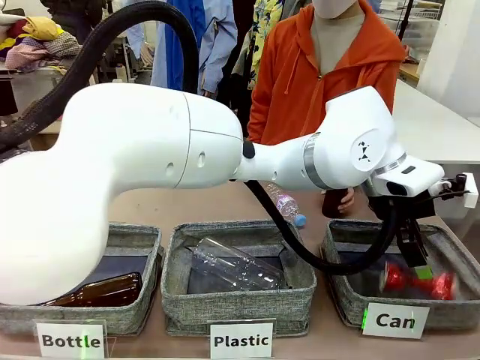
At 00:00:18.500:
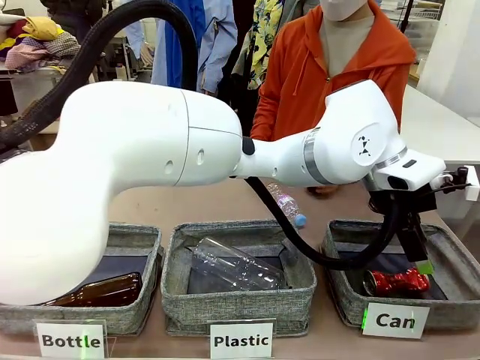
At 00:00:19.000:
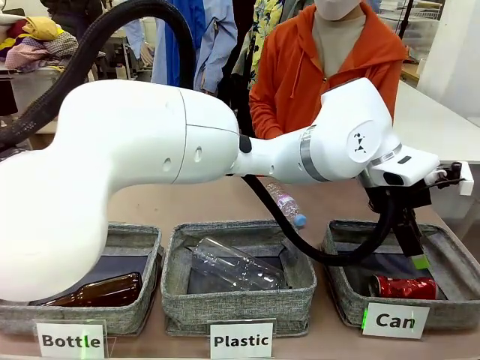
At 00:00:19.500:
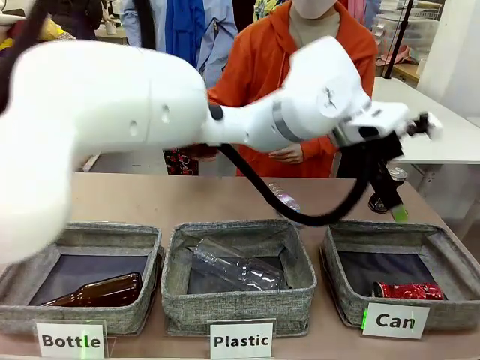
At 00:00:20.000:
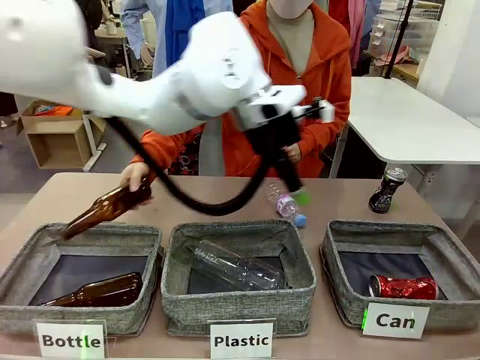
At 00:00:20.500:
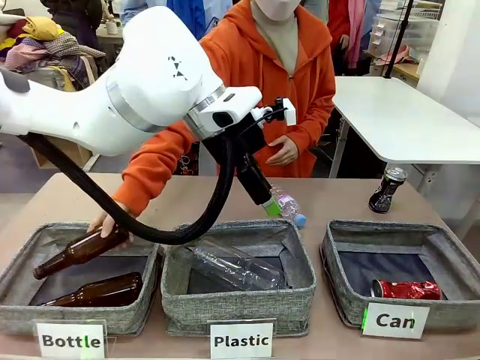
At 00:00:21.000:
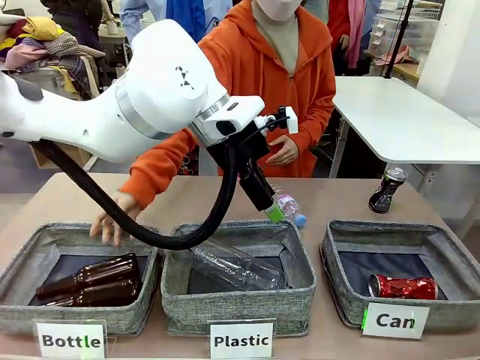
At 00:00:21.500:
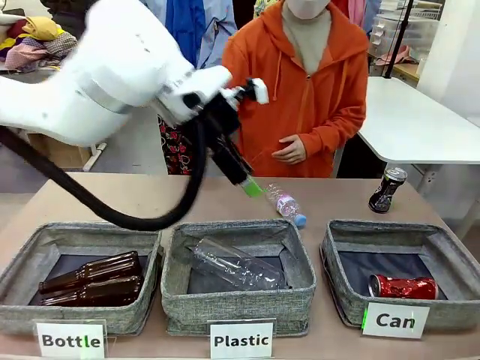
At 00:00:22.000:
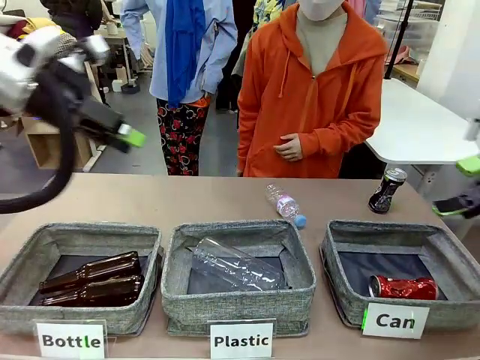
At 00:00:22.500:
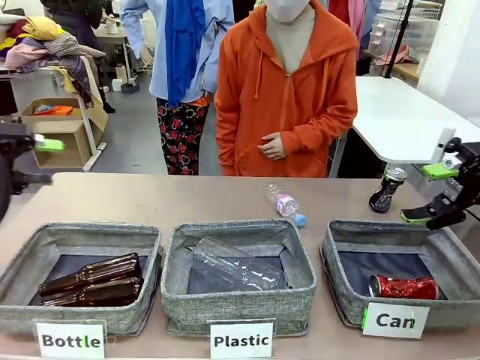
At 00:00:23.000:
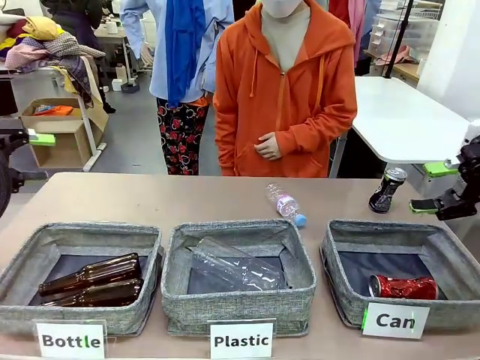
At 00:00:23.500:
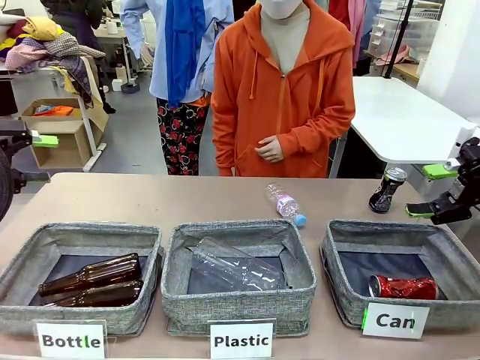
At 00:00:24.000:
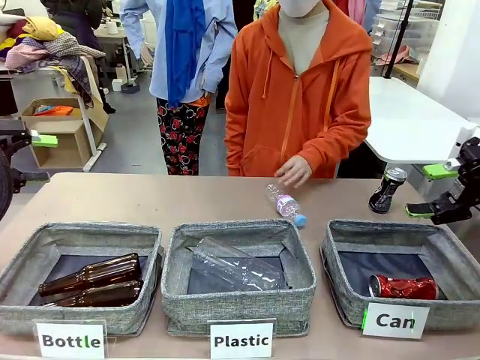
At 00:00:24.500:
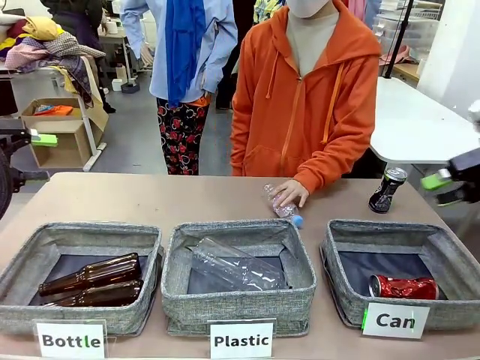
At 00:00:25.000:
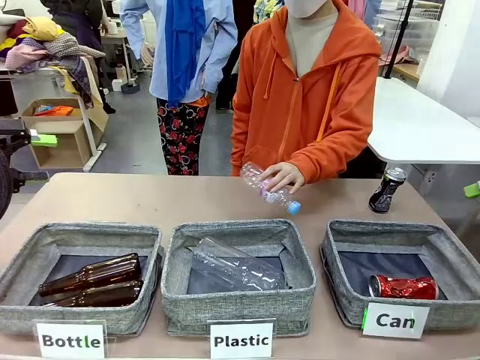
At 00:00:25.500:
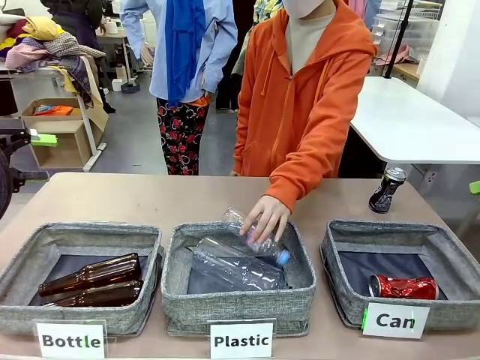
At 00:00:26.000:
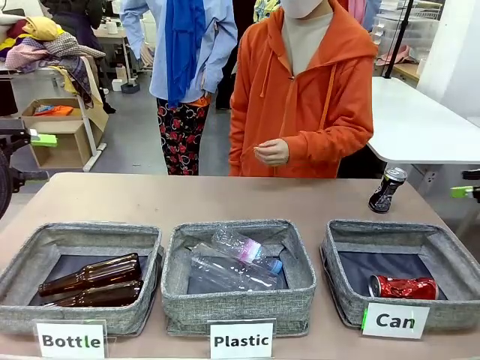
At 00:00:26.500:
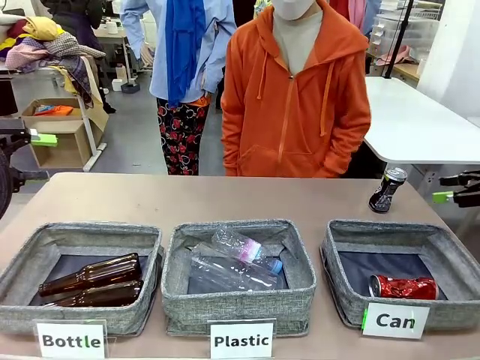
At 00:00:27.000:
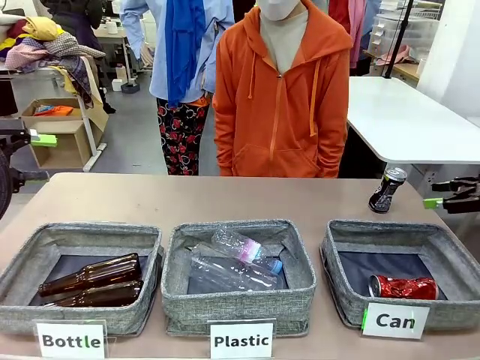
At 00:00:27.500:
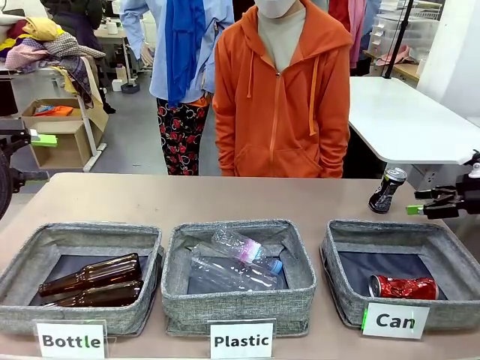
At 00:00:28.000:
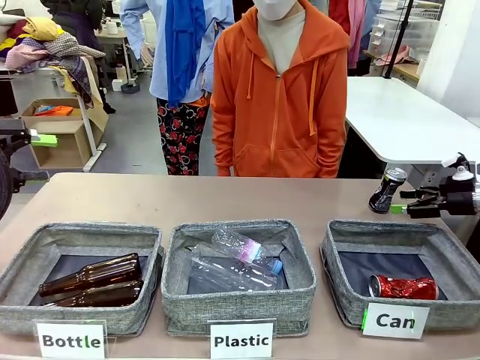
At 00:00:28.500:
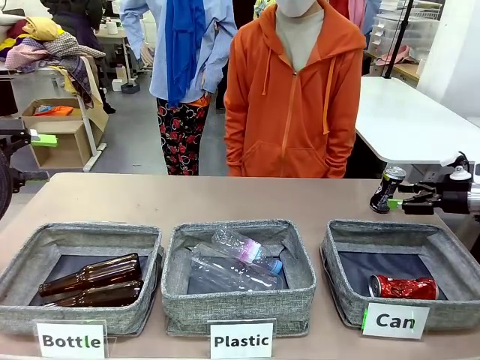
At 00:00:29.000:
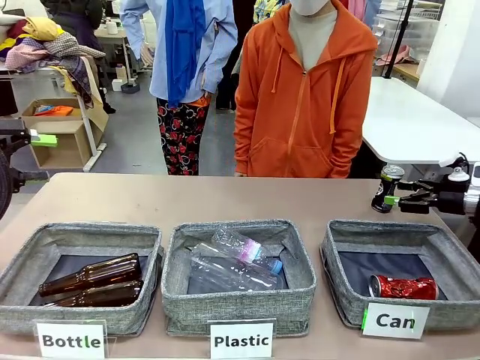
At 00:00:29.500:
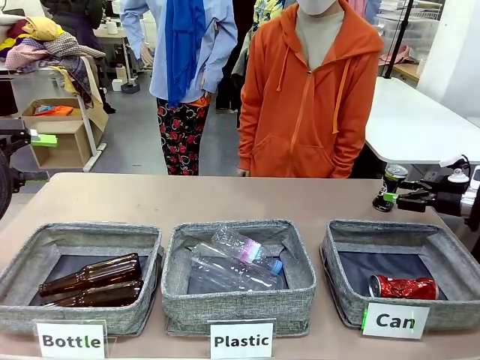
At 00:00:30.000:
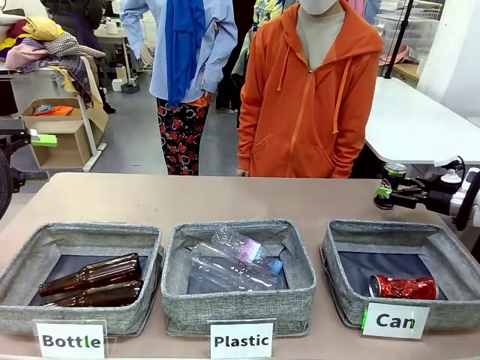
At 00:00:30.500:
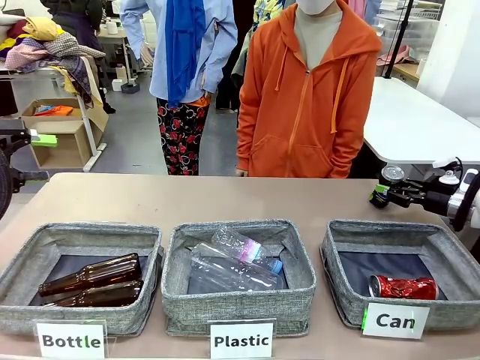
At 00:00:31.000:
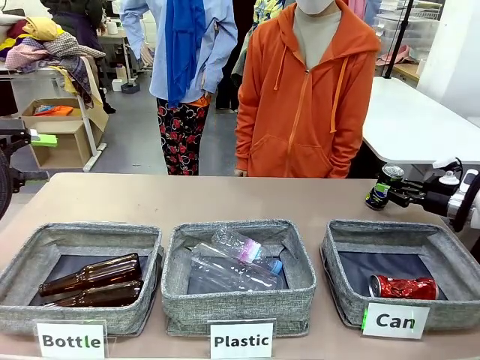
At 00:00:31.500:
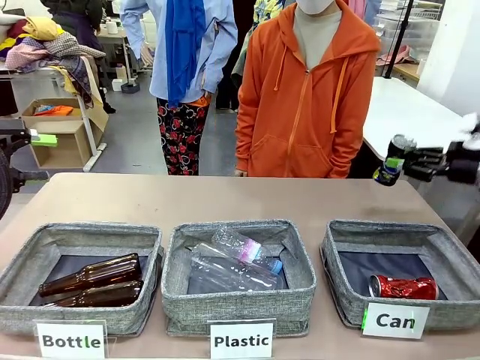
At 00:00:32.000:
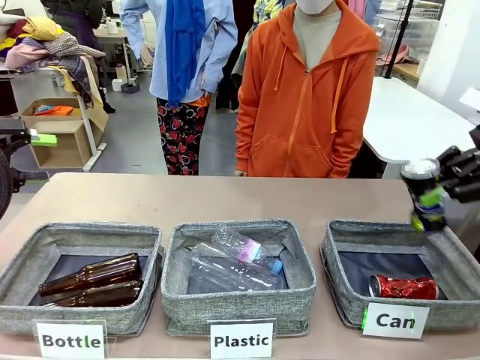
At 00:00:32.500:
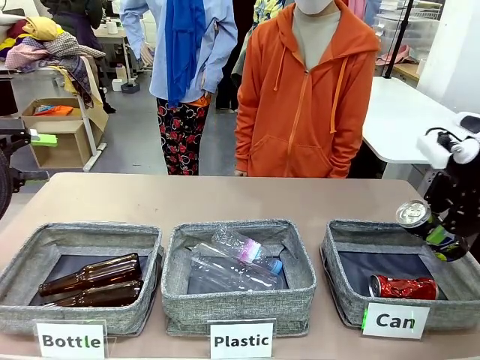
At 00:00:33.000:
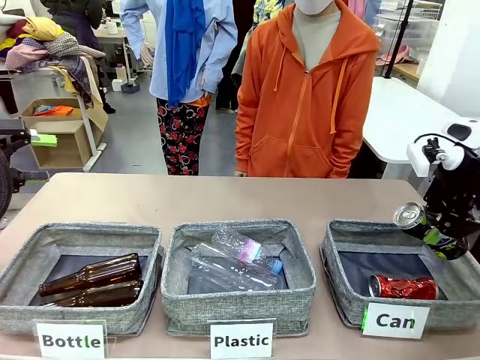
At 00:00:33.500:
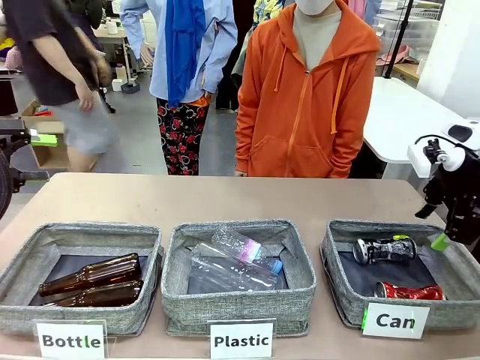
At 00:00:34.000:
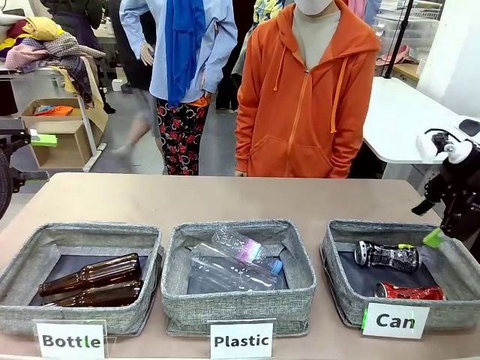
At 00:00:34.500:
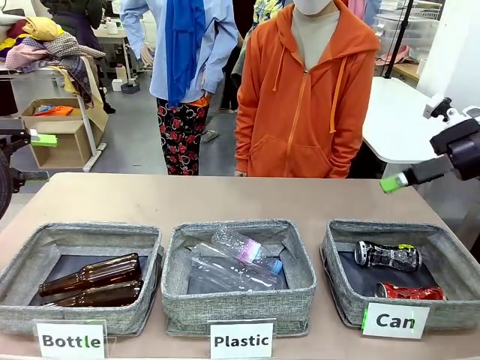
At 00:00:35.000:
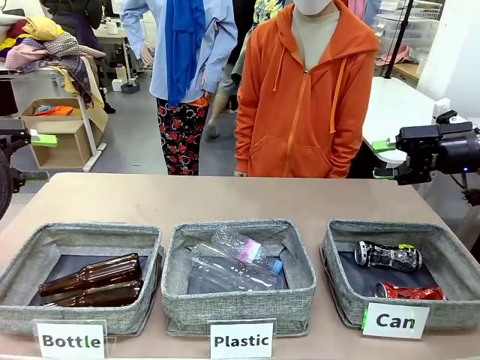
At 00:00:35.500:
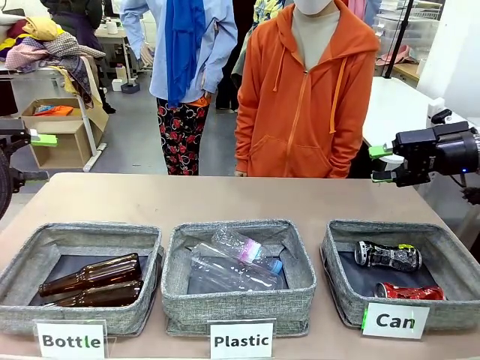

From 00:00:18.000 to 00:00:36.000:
Task: Sort the can waste into the basket.
Robot: Pick up the can waste from the table and place it in the right Fabric basket.
